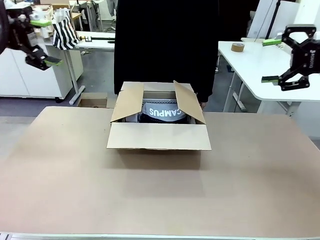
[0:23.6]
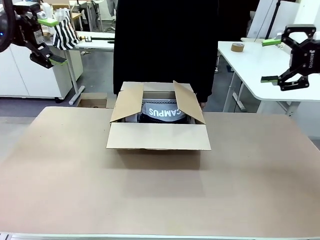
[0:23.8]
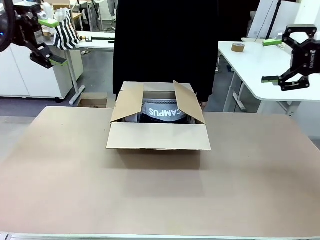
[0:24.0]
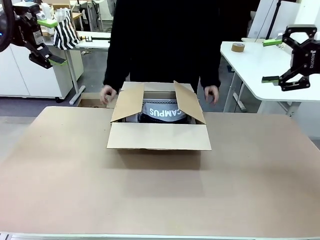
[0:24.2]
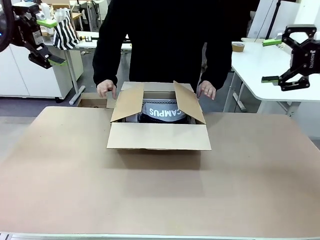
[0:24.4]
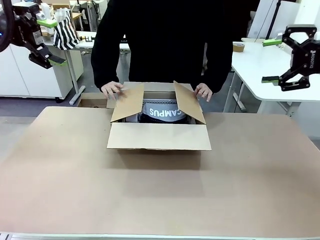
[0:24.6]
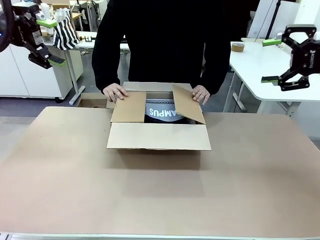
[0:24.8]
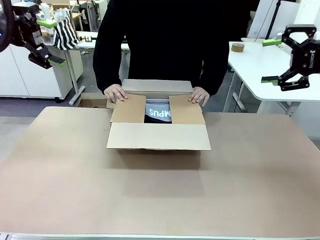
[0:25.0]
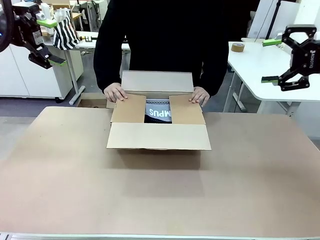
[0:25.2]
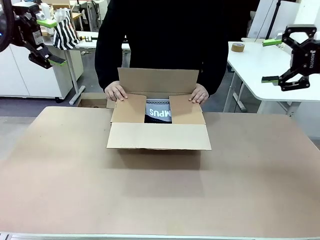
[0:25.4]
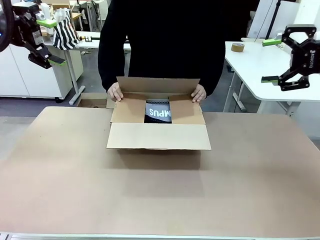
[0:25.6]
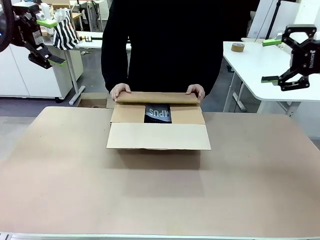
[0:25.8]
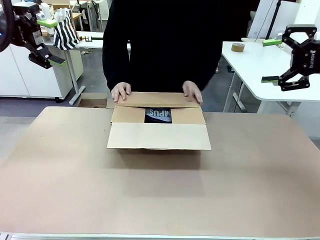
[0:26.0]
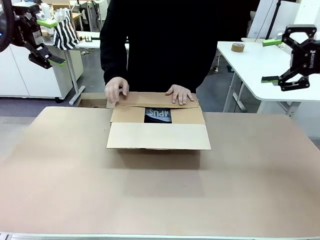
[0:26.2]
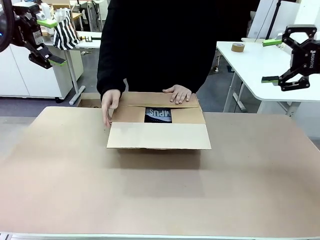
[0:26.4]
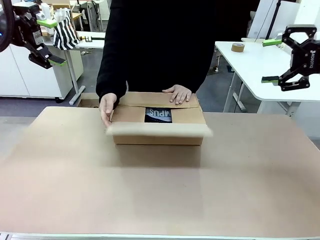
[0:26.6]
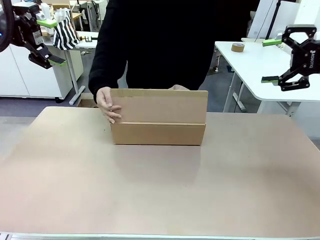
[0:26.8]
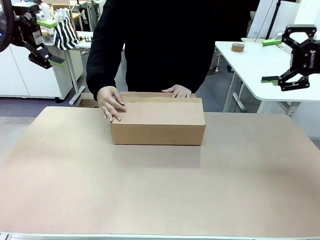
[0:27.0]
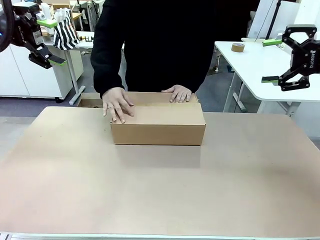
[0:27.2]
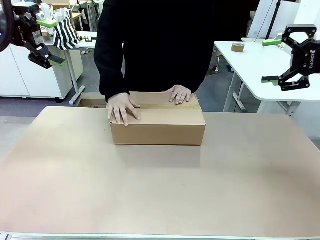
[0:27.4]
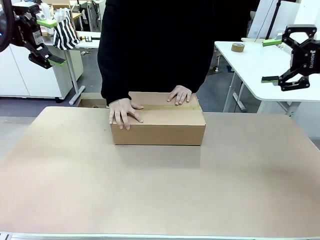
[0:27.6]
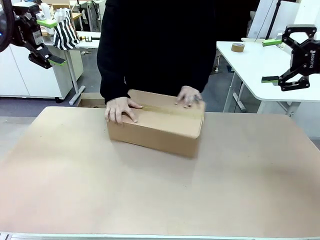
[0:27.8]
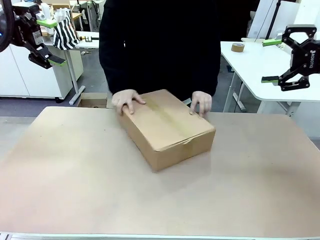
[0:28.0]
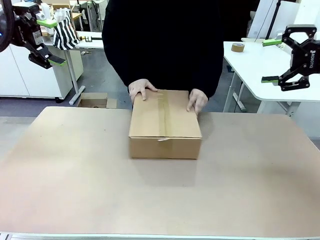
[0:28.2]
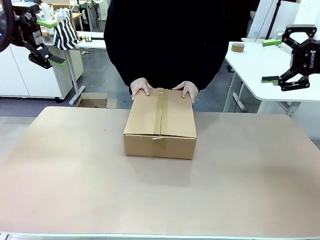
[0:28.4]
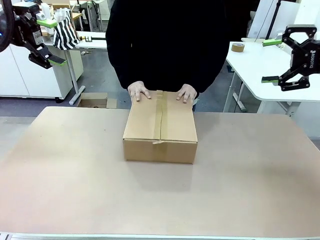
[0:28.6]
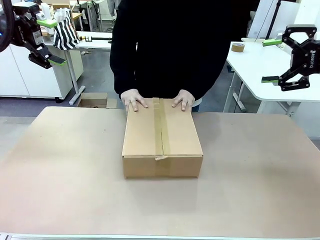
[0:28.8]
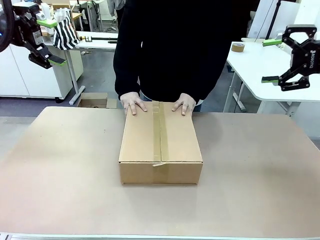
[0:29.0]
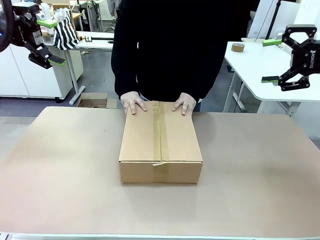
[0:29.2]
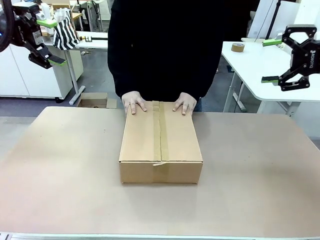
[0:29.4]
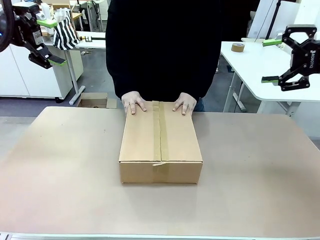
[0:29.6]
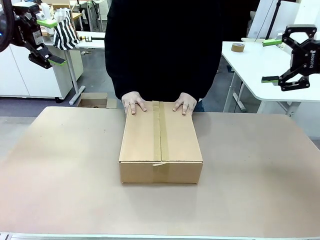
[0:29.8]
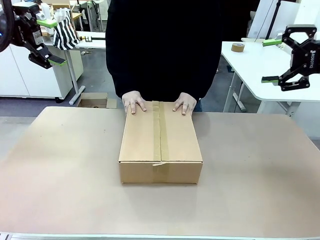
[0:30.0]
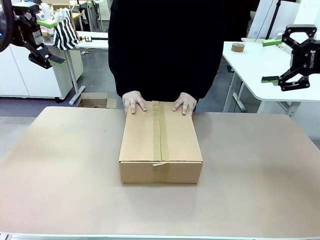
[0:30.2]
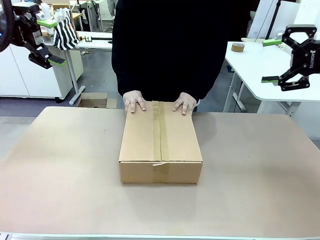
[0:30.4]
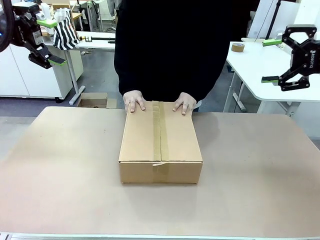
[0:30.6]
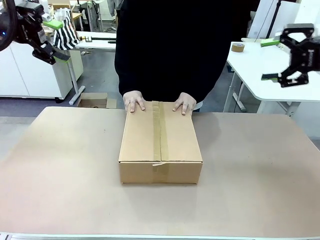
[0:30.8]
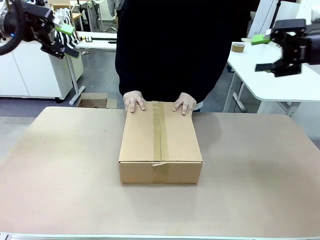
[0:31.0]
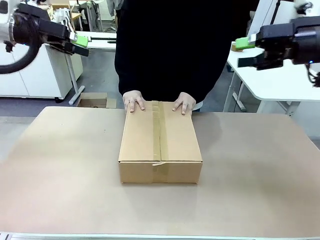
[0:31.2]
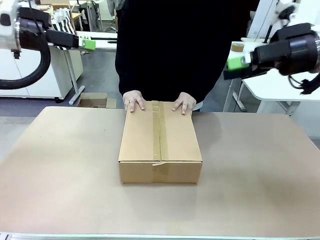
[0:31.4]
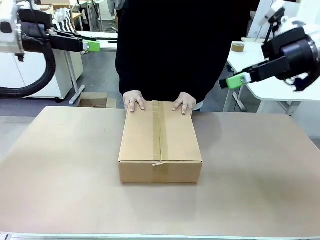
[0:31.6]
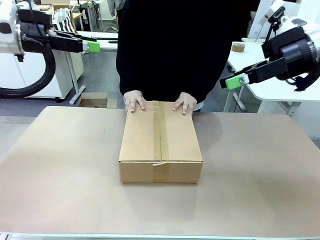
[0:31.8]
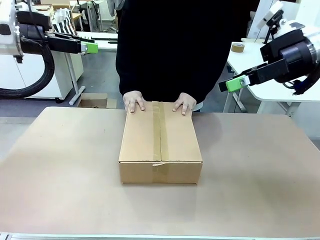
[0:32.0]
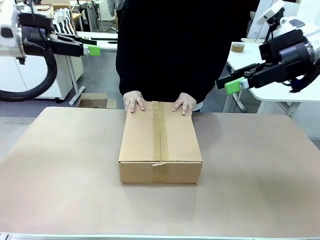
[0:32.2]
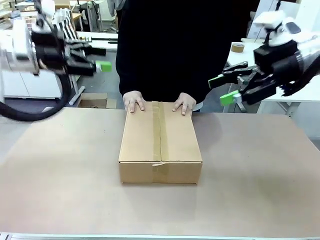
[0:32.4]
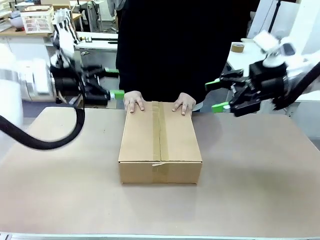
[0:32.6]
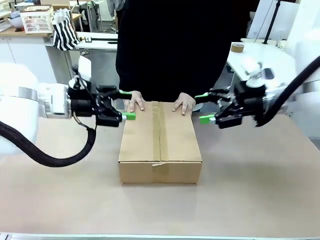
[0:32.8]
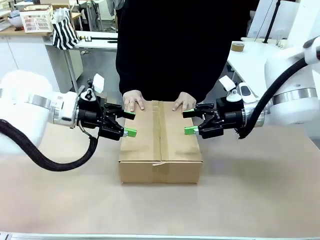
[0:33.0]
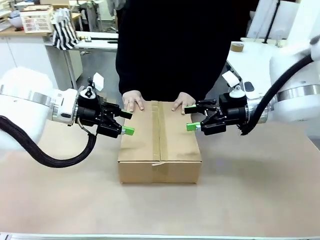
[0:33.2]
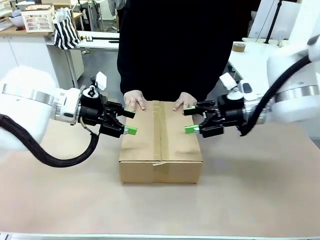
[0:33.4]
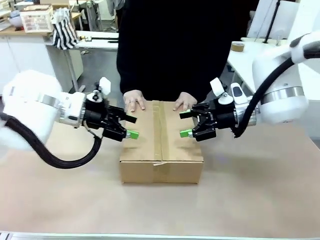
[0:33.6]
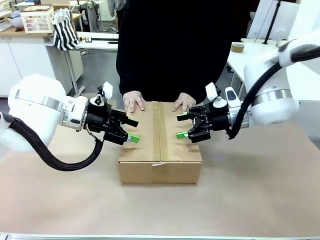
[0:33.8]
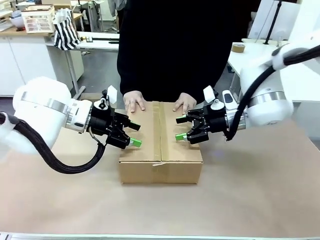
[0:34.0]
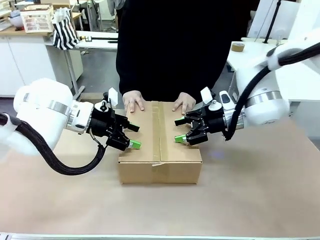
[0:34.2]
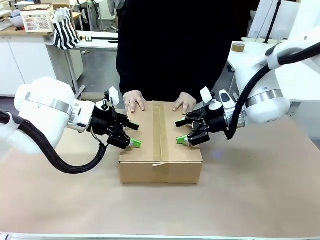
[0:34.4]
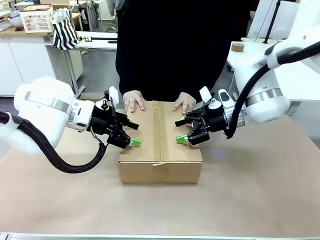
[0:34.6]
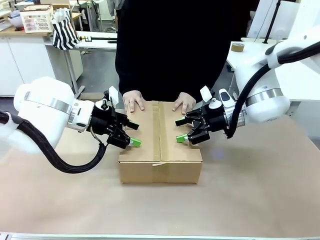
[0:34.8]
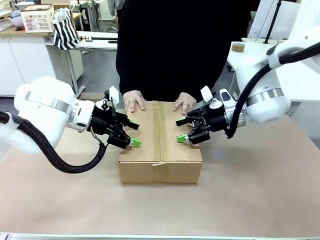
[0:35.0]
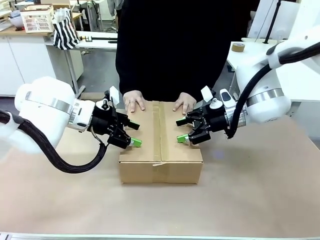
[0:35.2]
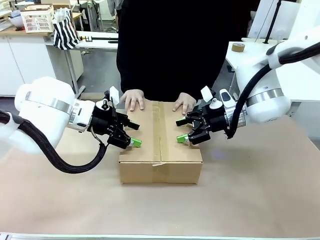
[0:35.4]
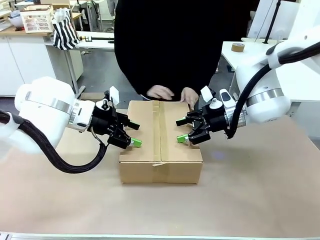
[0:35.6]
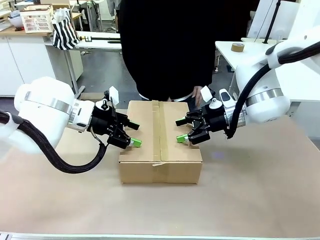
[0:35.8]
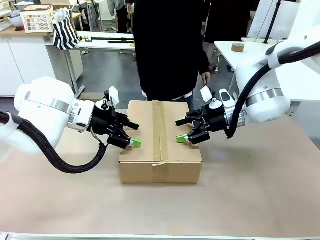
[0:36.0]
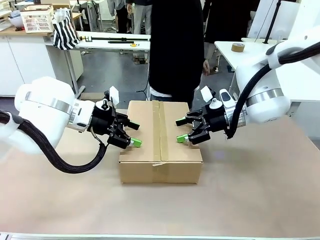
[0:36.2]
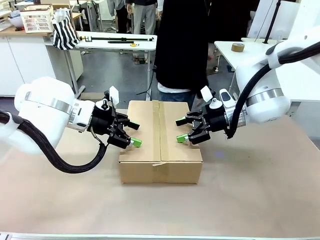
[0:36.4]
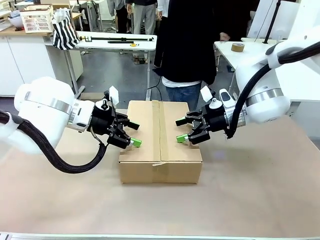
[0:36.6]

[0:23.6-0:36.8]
Task: Pack the gift set into the box.
Robot: Press and hold the closed box until the human finishes sealing it.
Person: The human closes the box and rotates the box by 90 degrees.
